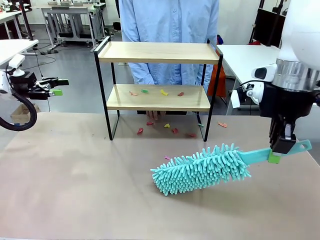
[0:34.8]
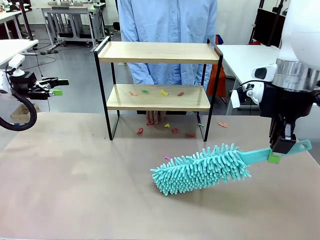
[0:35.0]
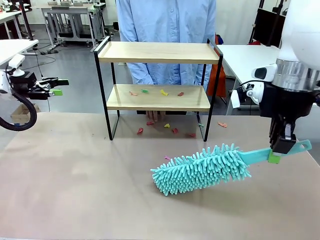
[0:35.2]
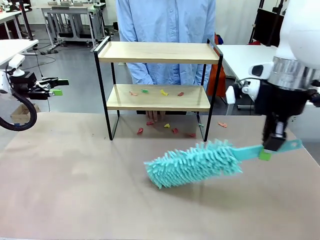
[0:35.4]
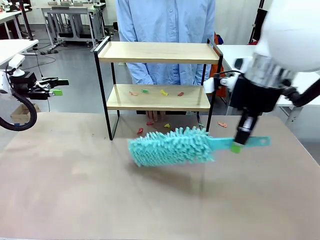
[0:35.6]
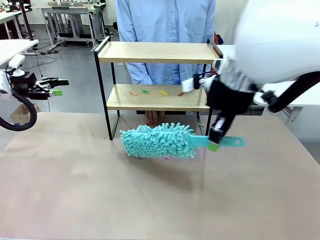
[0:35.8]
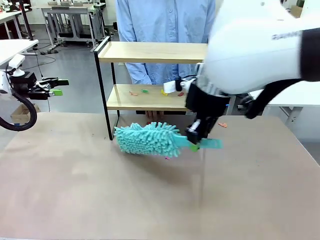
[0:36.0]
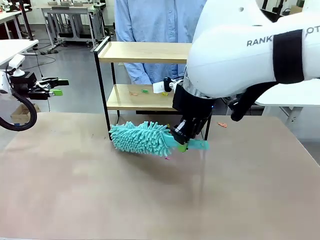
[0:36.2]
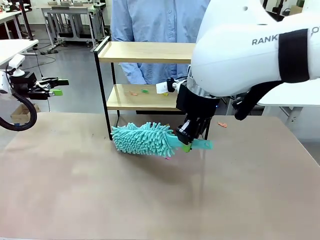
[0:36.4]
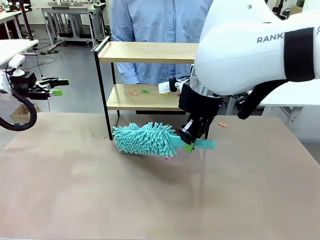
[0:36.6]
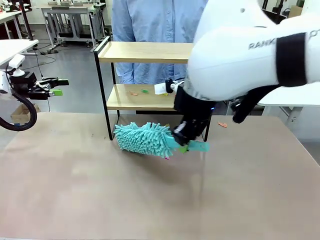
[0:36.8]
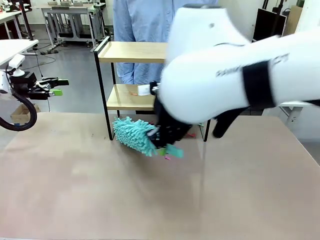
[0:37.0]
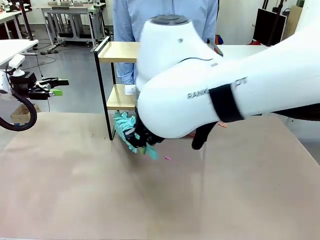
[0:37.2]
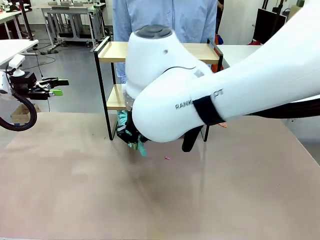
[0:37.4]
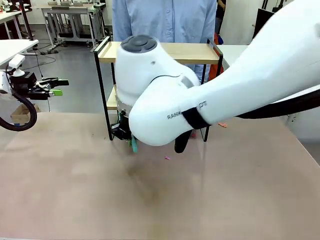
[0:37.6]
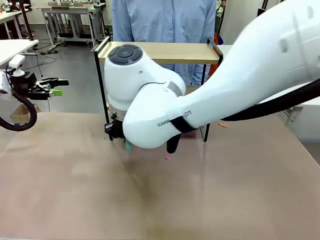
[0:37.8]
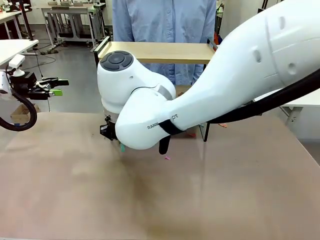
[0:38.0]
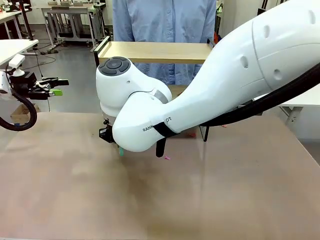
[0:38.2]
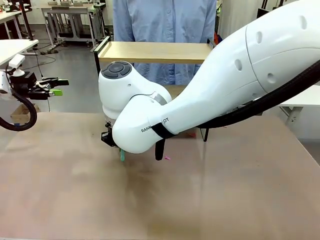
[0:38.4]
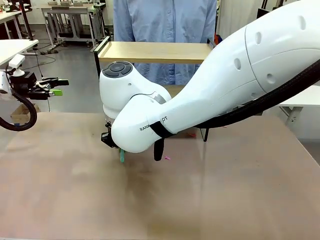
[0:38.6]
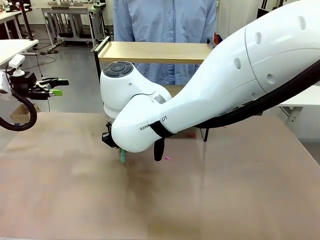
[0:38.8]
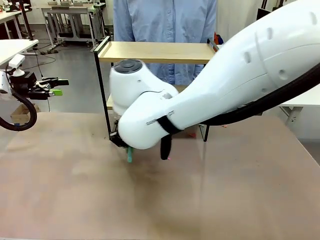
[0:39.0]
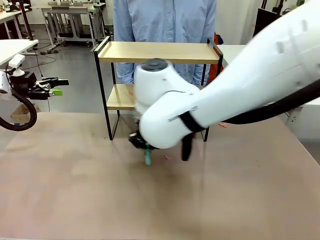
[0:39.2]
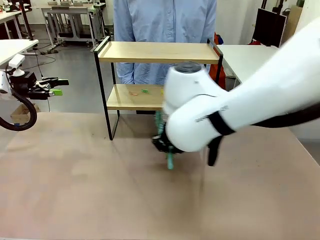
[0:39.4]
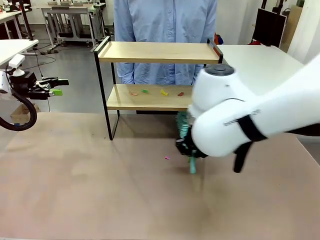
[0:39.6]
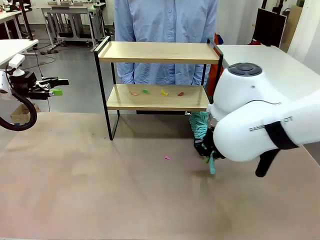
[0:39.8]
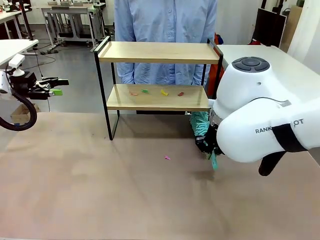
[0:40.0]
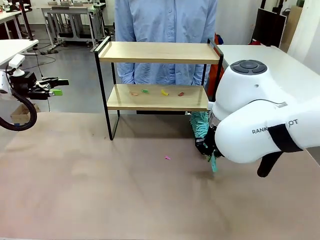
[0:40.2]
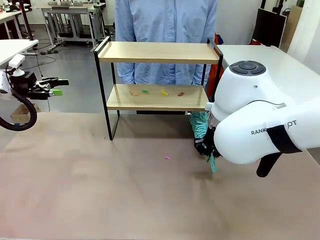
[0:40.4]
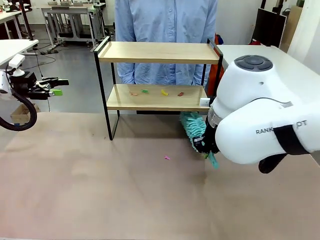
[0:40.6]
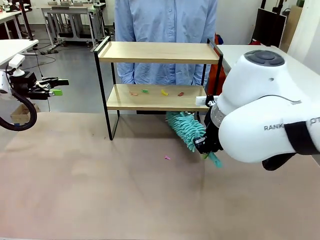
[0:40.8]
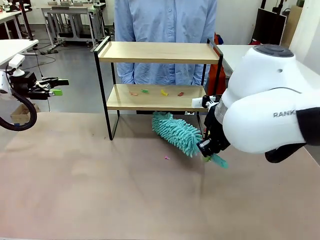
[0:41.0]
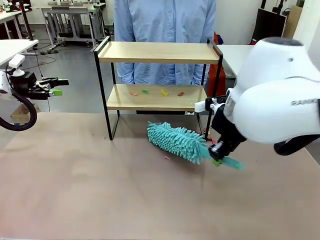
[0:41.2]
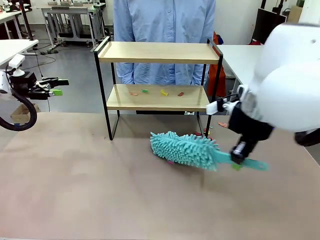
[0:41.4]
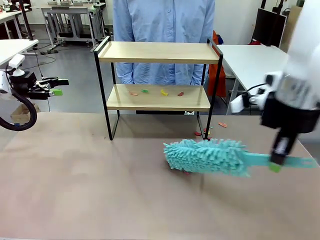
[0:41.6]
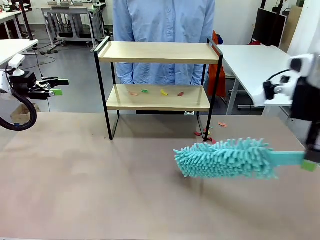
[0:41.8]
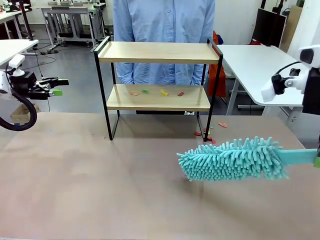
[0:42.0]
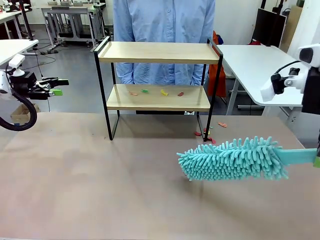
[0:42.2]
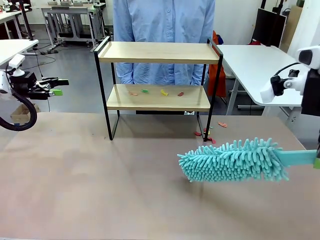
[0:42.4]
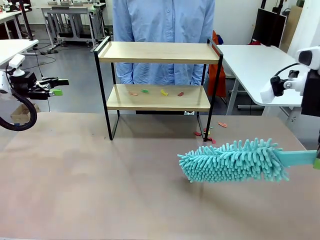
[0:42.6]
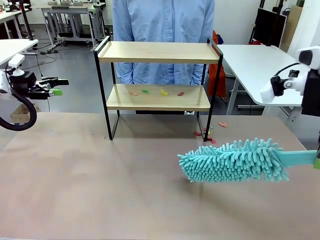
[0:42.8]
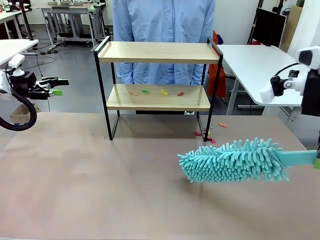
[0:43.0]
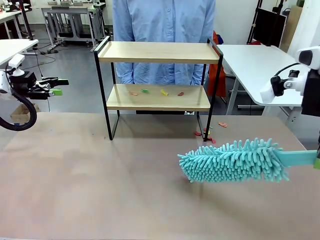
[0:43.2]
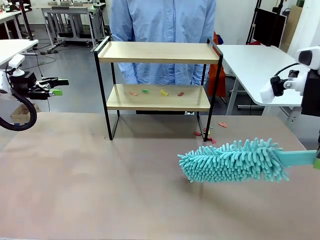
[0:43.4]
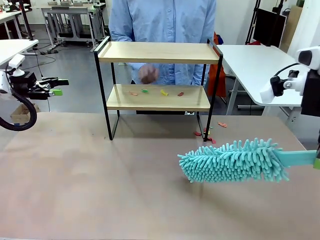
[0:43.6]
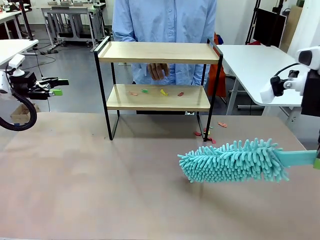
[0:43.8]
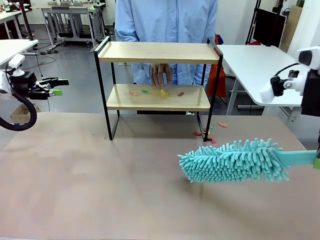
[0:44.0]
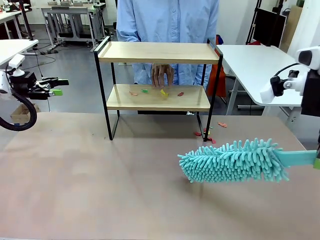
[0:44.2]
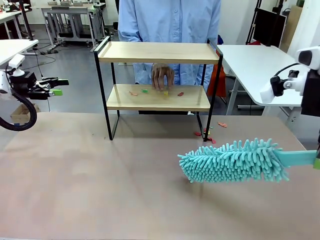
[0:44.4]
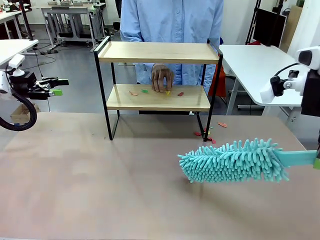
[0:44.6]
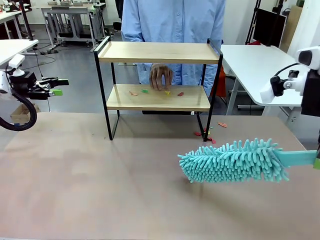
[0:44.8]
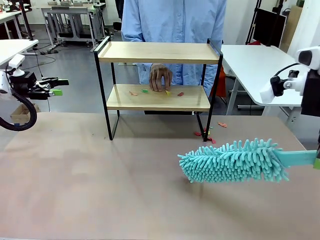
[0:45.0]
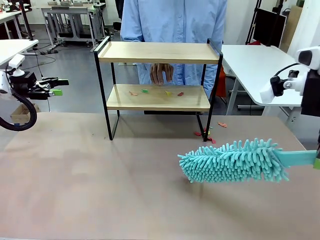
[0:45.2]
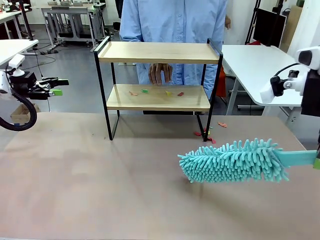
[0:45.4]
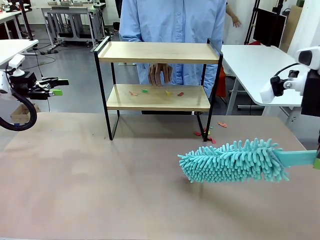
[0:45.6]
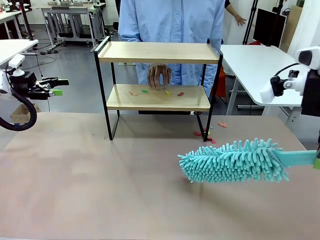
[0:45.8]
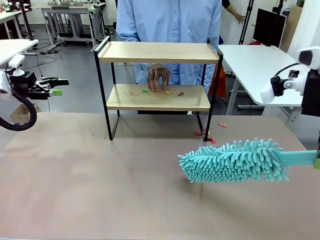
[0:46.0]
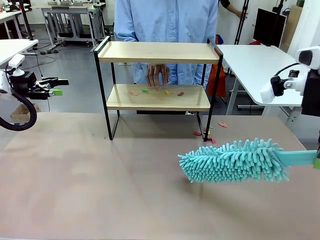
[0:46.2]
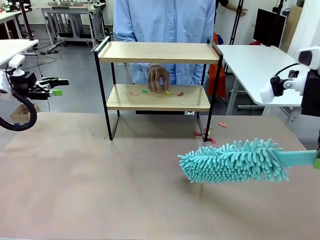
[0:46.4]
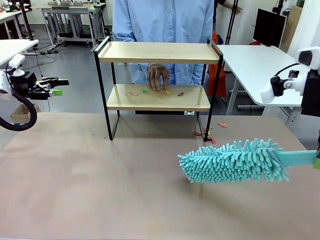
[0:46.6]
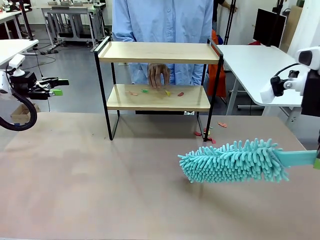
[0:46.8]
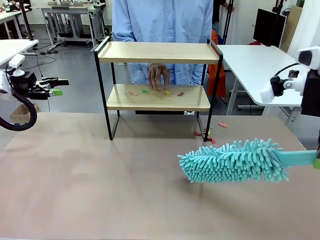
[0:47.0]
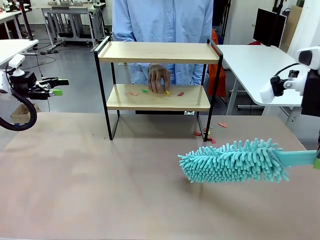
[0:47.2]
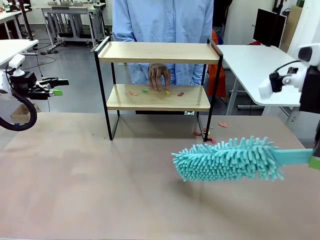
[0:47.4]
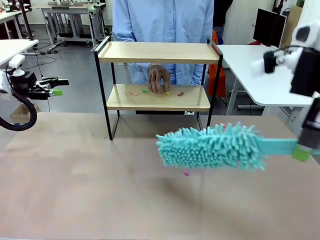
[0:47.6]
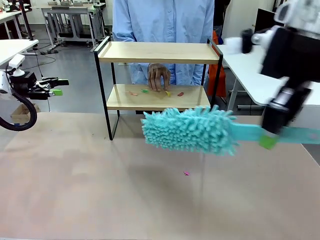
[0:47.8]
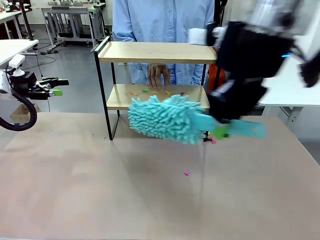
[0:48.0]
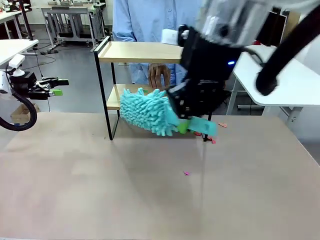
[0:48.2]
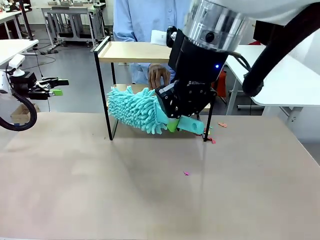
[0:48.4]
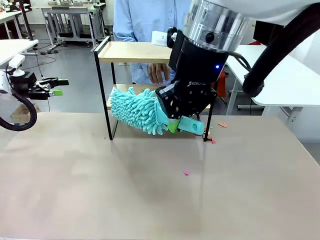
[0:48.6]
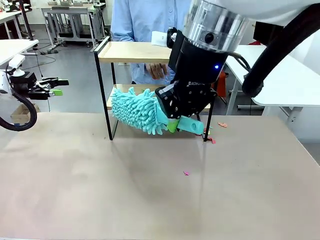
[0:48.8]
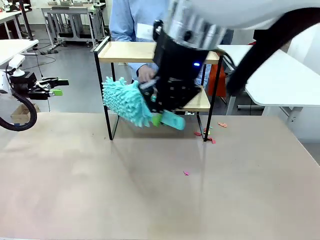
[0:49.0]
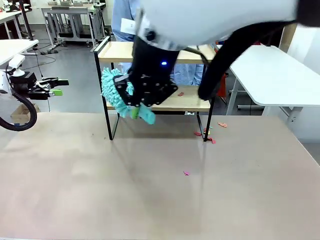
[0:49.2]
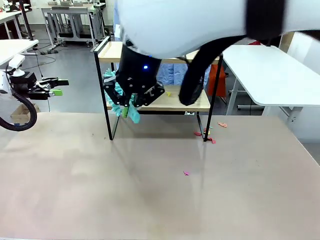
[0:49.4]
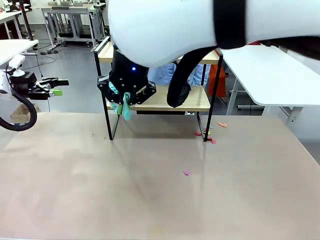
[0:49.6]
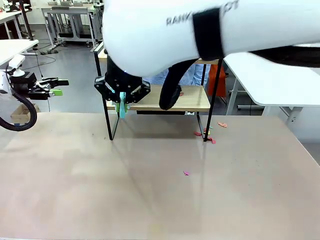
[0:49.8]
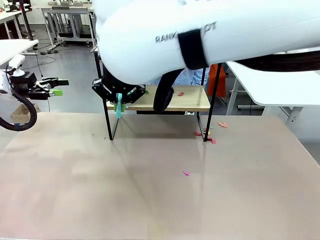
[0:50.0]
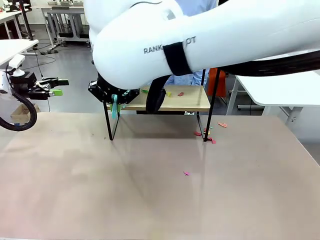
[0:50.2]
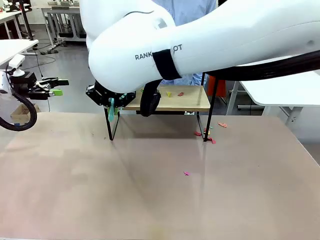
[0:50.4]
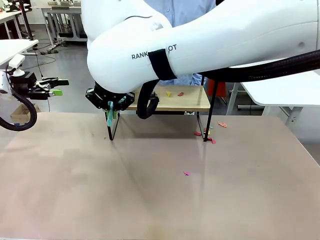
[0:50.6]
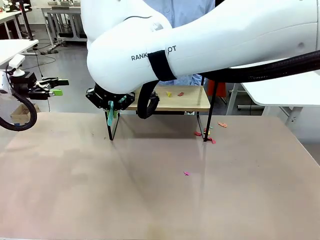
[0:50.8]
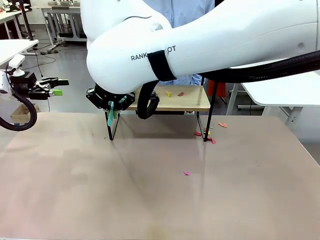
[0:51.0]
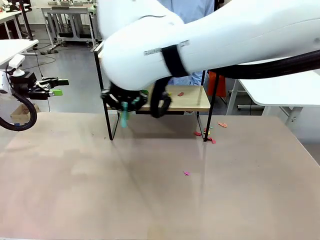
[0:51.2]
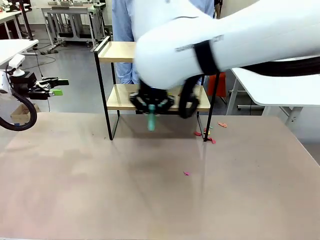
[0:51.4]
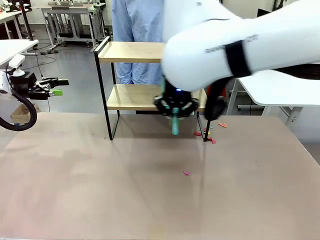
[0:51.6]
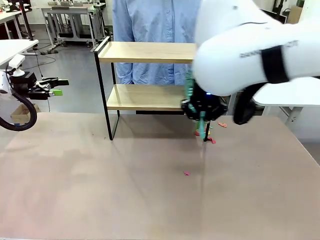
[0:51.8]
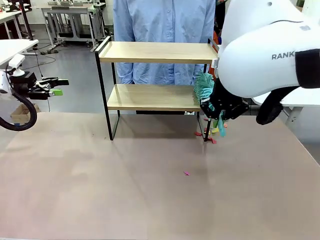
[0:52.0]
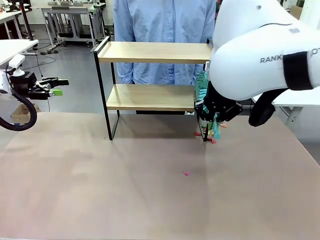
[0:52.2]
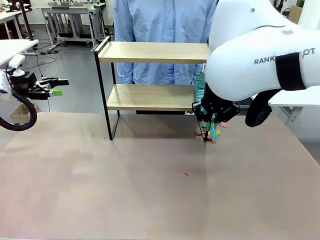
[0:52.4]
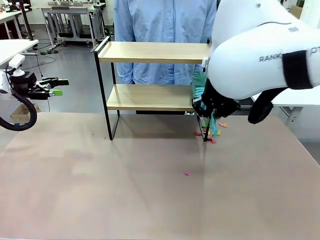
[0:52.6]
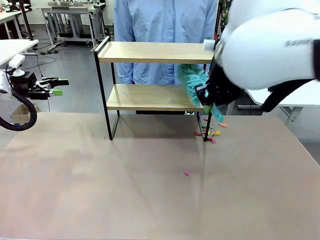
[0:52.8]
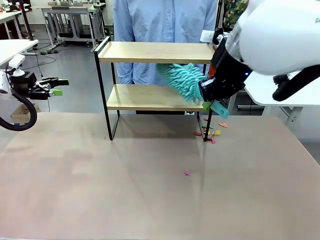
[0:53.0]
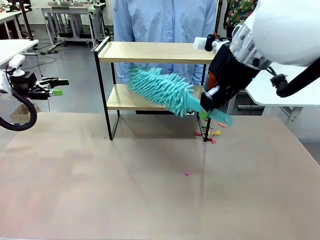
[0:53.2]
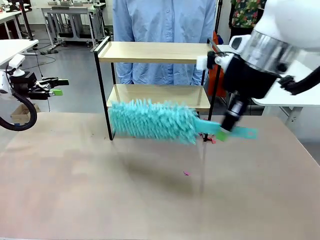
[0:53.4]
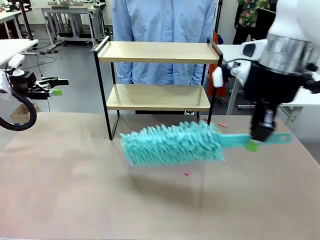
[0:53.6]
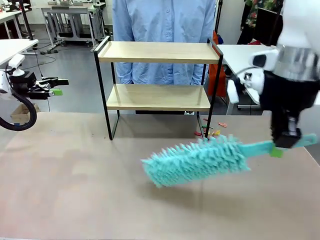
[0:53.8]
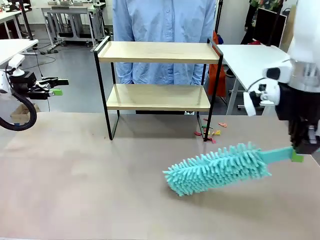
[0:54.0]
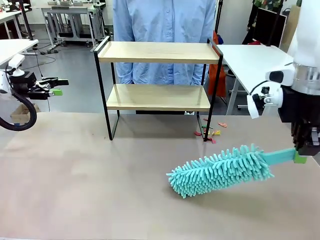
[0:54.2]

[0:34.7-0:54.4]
Task: Clean the shelf.
Robot: Clean the specific section of the Shelf indicated by the human with the Duster.
Person: Point a remaining section of the Shelf.
